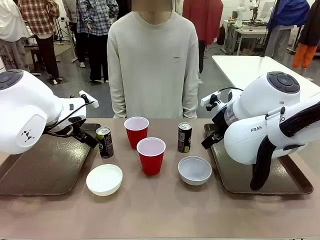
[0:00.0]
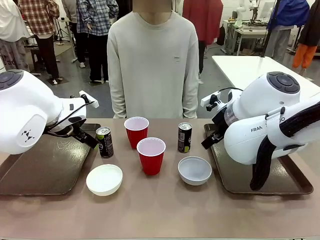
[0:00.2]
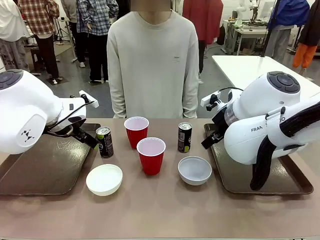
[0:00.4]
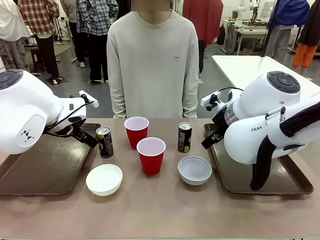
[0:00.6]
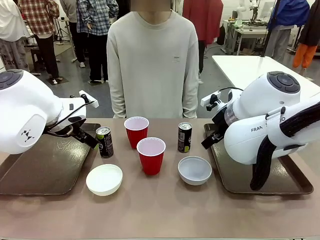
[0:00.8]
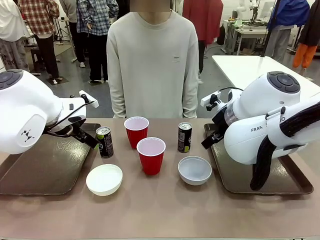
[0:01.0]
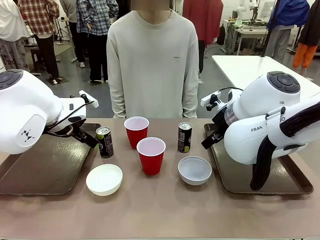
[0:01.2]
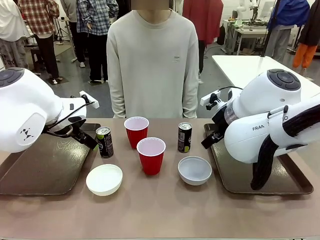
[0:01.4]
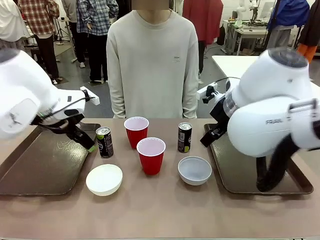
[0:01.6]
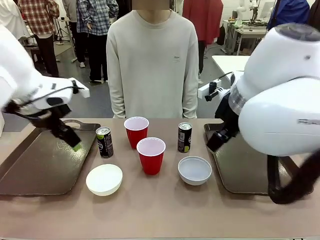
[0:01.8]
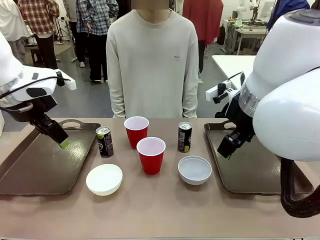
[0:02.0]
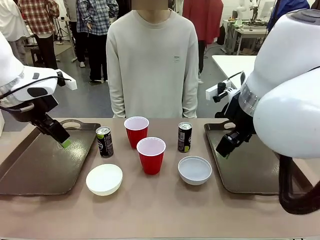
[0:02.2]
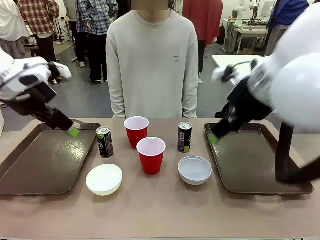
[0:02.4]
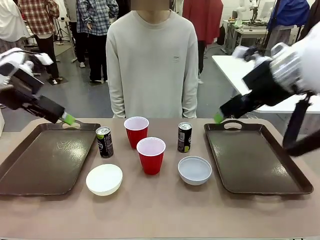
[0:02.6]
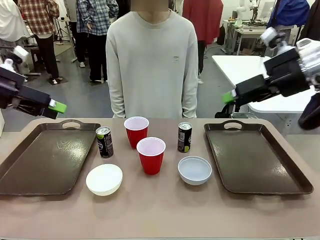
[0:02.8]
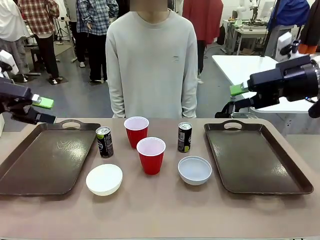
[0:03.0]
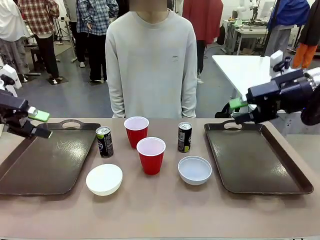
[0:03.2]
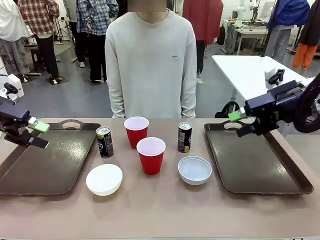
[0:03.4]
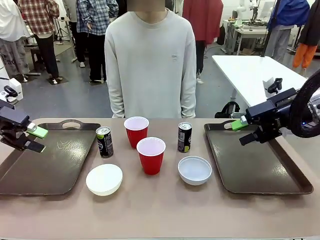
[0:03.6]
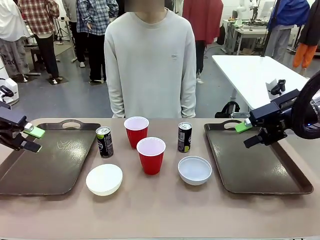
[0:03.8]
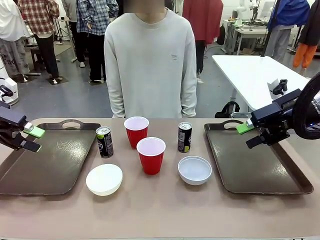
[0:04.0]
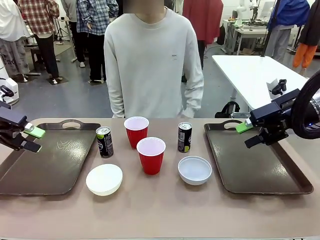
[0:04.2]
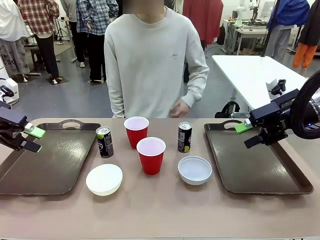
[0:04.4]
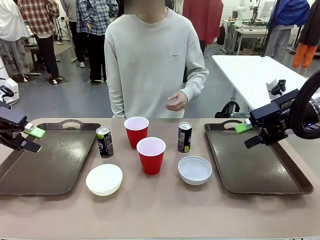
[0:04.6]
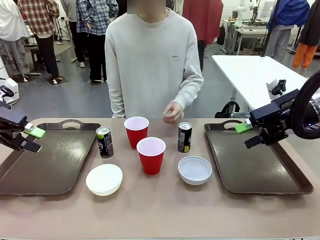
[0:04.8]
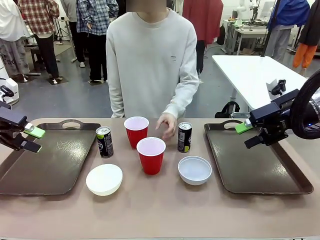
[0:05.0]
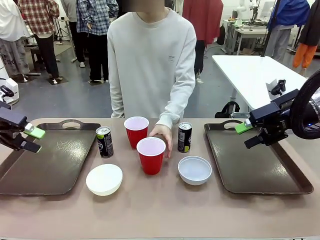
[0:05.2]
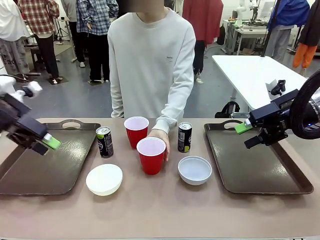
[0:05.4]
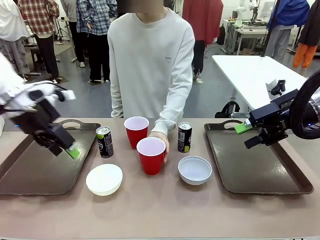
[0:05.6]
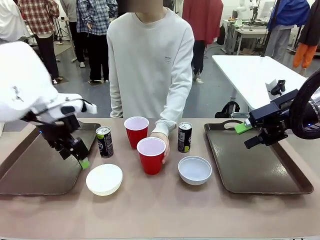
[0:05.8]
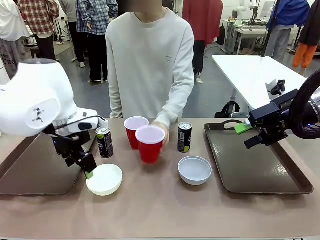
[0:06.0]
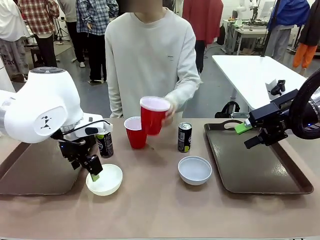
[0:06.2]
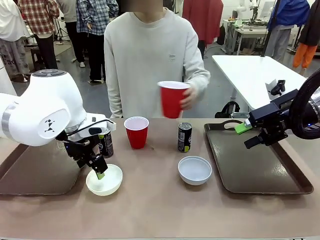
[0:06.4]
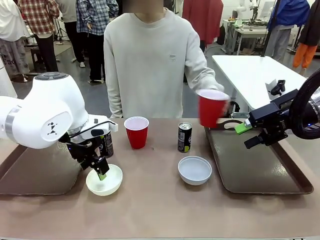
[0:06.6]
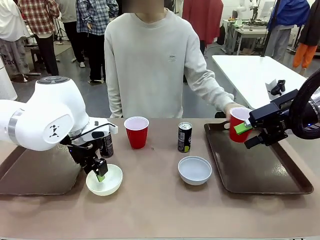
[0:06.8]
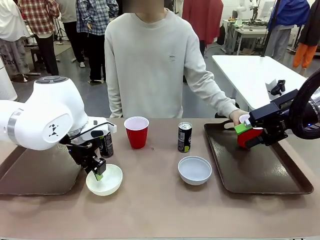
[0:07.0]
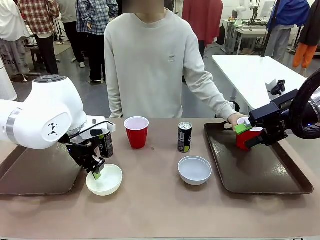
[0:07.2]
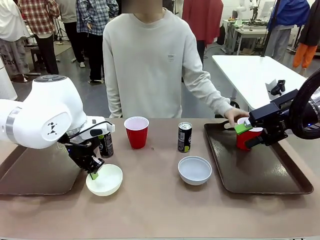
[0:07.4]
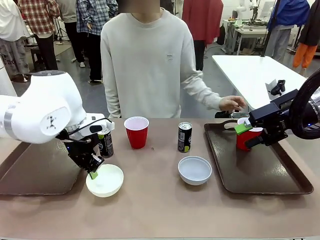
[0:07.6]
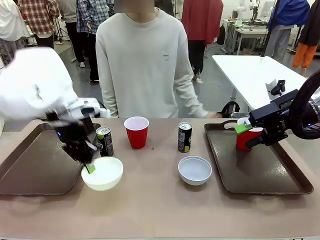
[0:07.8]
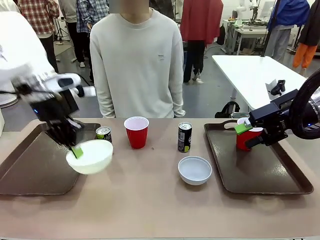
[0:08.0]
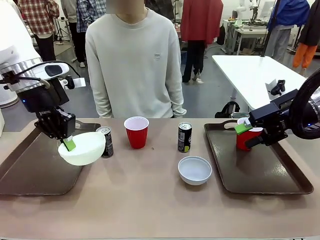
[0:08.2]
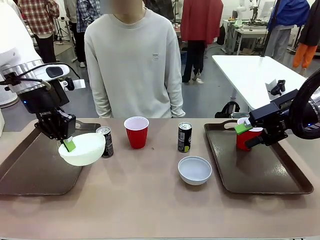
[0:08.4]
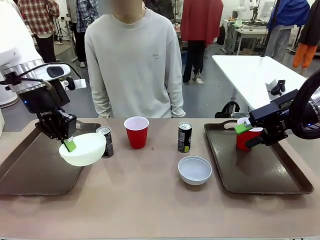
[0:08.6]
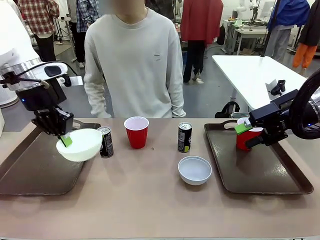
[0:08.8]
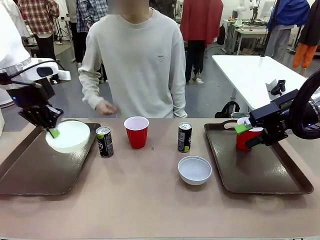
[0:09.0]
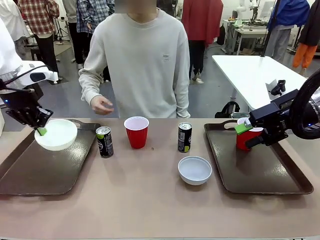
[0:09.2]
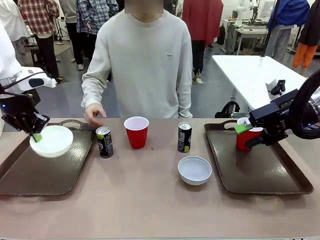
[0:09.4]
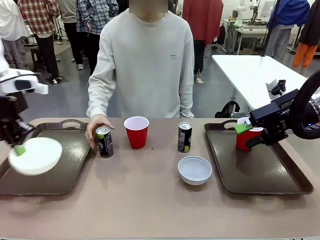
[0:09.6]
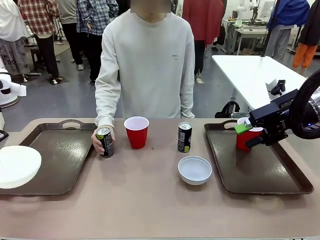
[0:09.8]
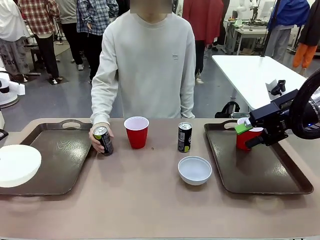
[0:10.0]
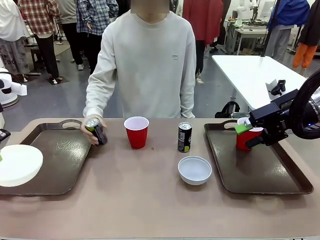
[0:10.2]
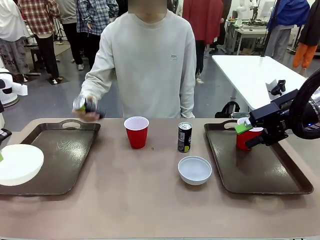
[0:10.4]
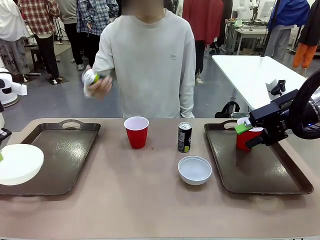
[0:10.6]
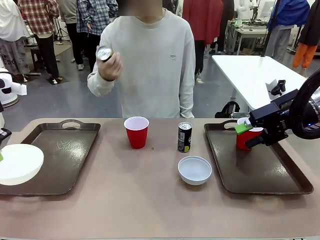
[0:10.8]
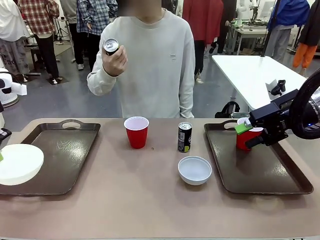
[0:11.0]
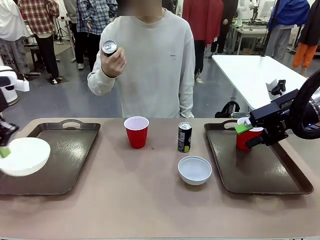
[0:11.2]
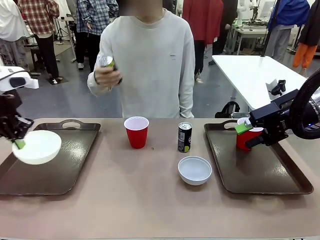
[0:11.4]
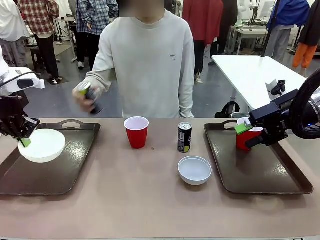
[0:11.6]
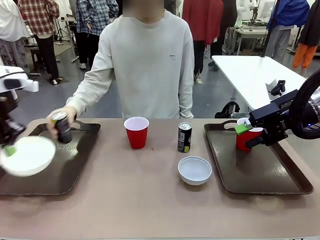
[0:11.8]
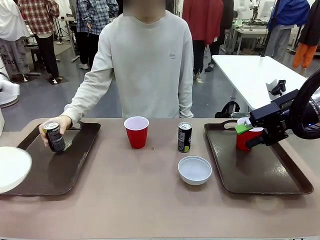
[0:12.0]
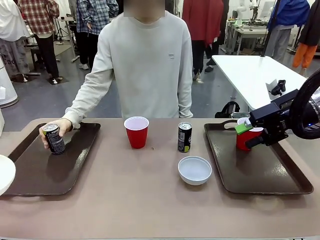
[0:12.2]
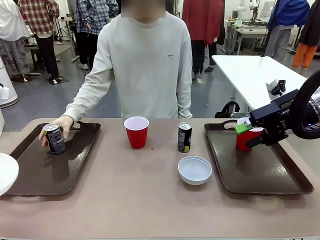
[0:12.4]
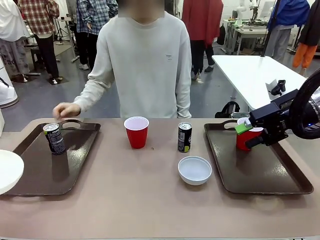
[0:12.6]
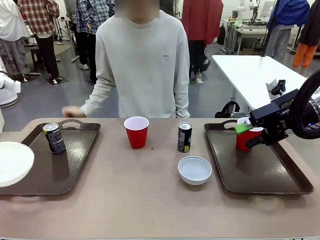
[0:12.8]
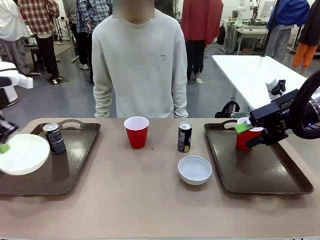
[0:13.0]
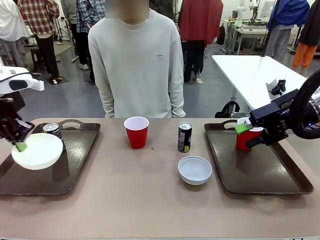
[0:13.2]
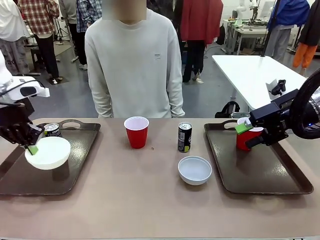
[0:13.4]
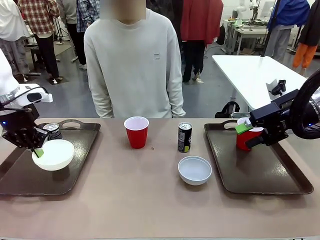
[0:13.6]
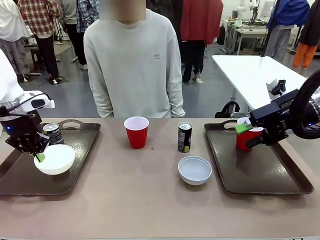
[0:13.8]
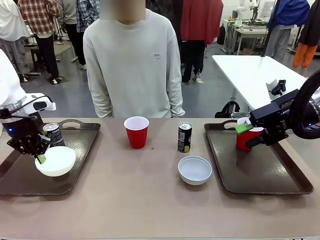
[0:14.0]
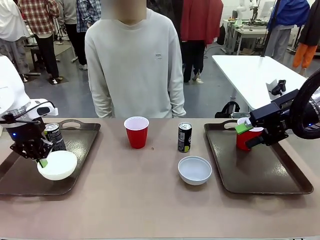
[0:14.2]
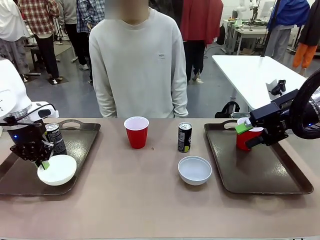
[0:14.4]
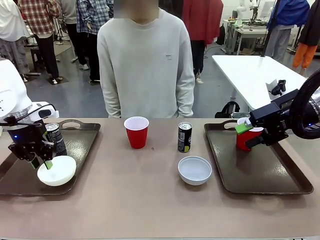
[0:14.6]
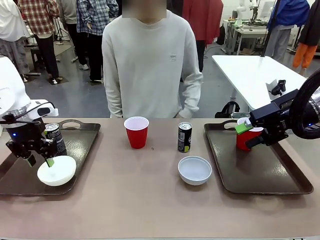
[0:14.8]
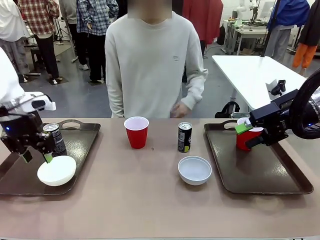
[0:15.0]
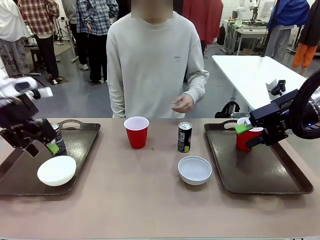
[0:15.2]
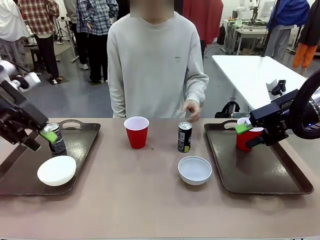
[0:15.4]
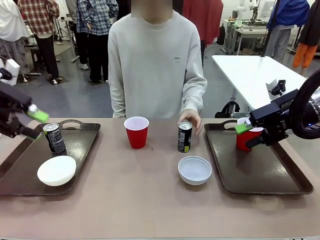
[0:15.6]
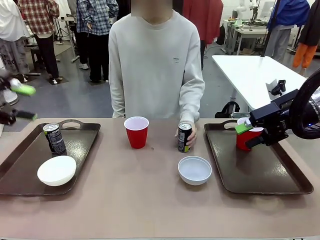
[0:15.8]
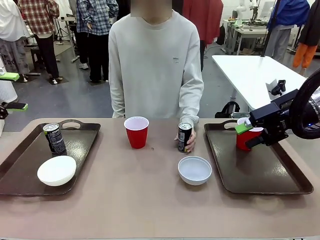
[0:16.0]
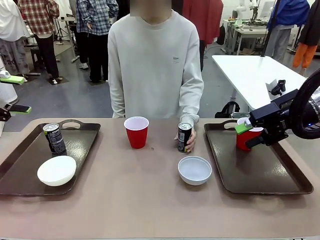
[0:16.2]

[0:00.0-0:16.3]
Task: Prepare tableware on both trays.
Robot: Pick up a Picnic Bowl from the table and place it on a Handle tray.
Person: Pick up a can or cup and place it on the tray.
